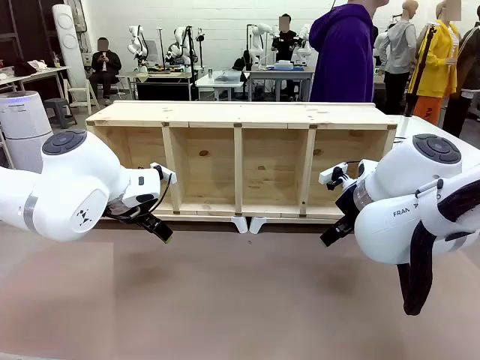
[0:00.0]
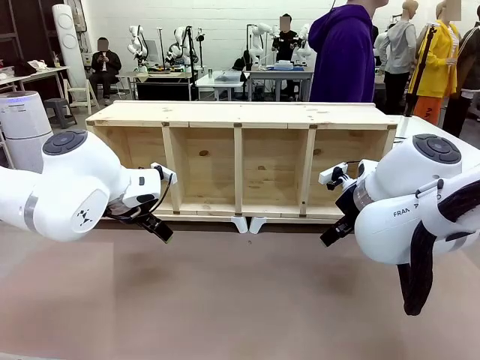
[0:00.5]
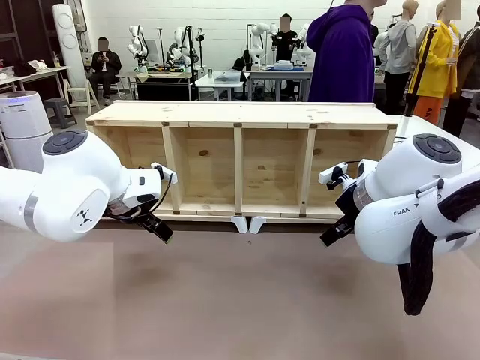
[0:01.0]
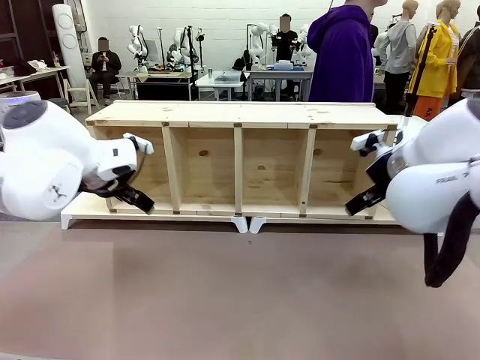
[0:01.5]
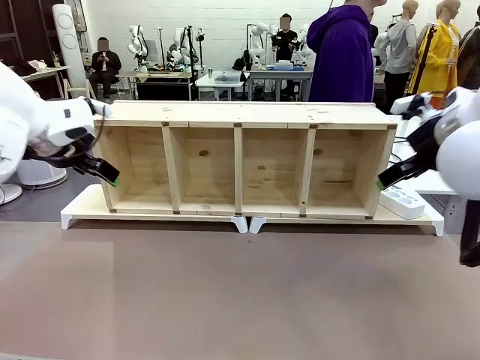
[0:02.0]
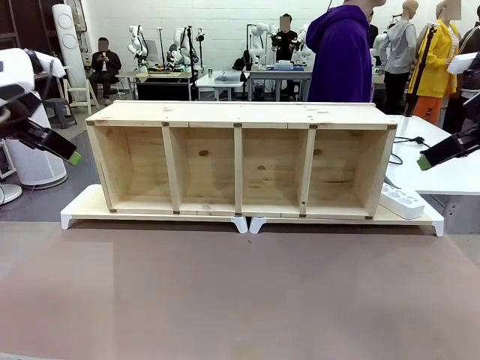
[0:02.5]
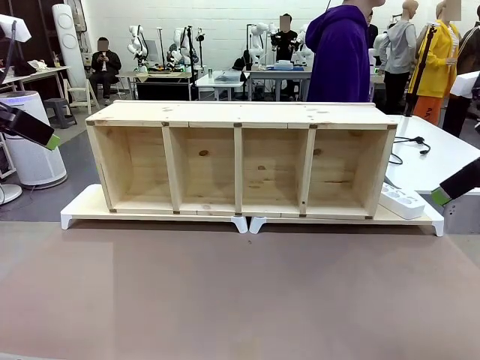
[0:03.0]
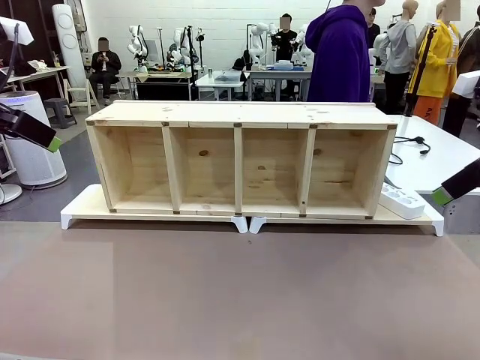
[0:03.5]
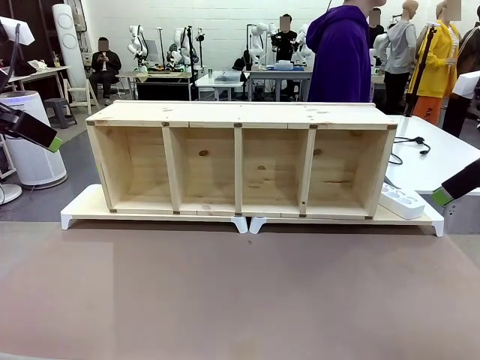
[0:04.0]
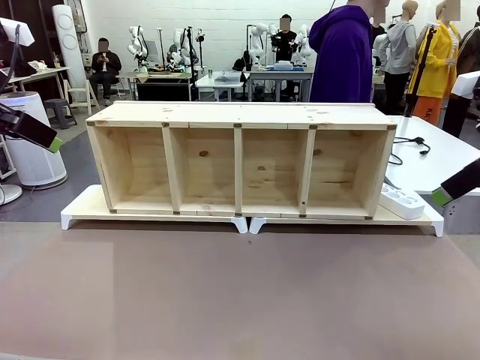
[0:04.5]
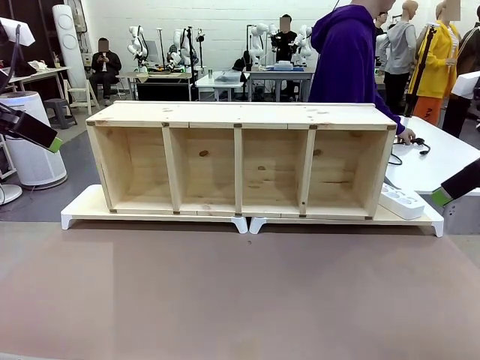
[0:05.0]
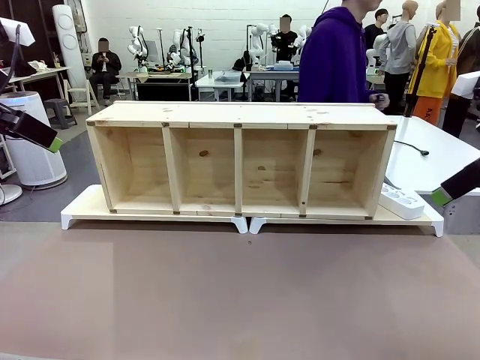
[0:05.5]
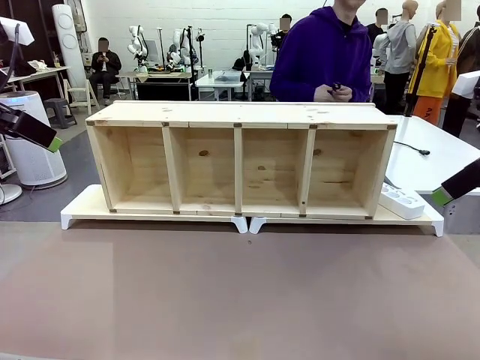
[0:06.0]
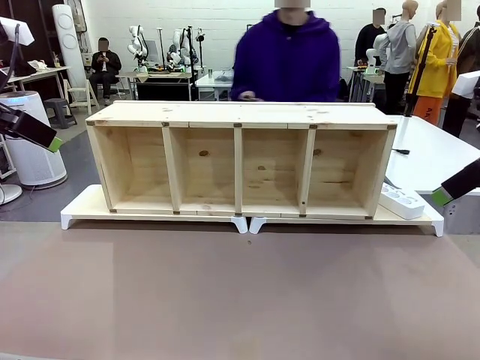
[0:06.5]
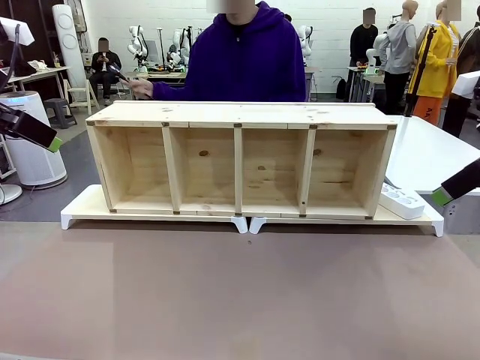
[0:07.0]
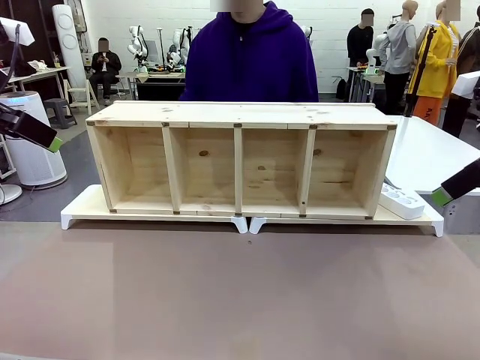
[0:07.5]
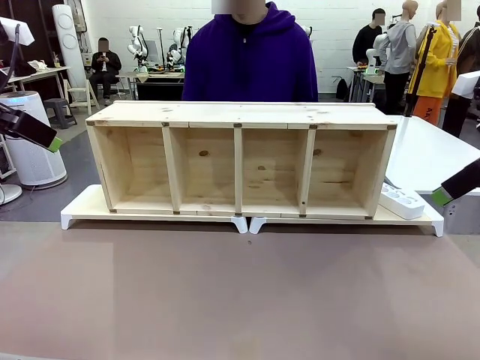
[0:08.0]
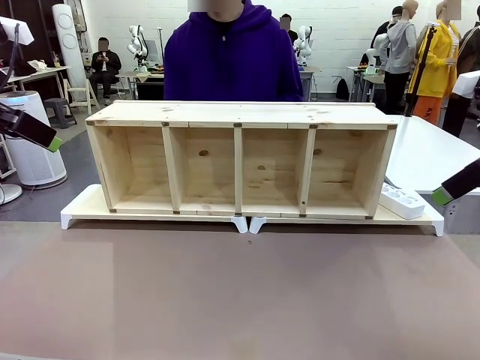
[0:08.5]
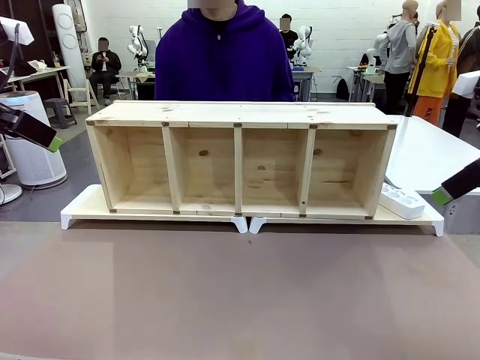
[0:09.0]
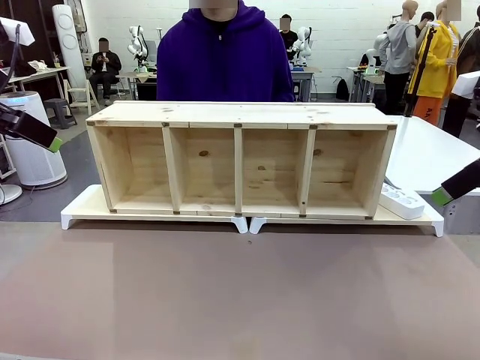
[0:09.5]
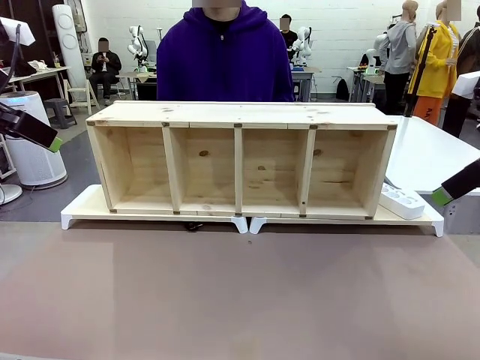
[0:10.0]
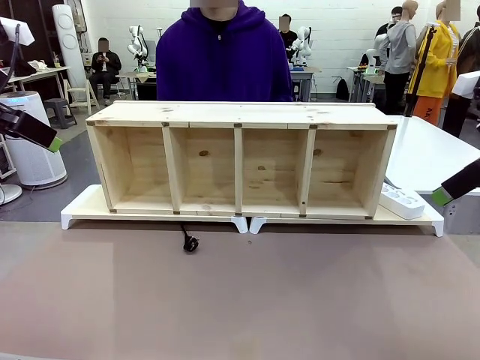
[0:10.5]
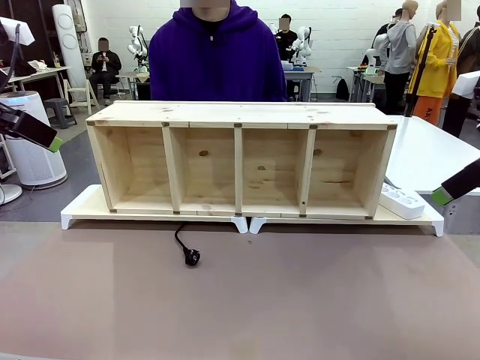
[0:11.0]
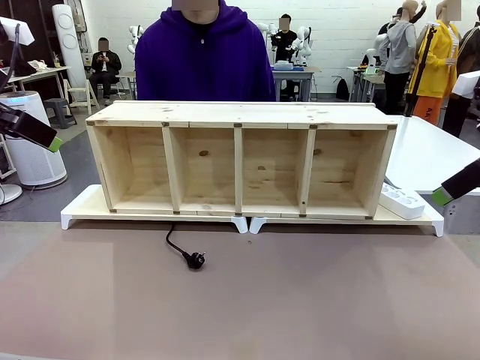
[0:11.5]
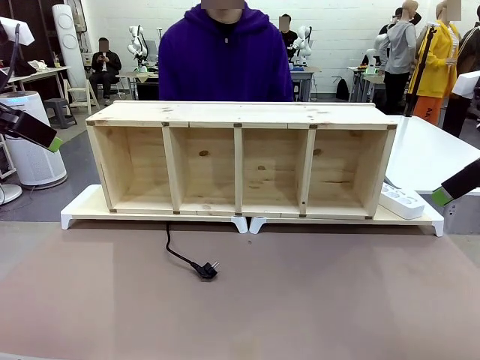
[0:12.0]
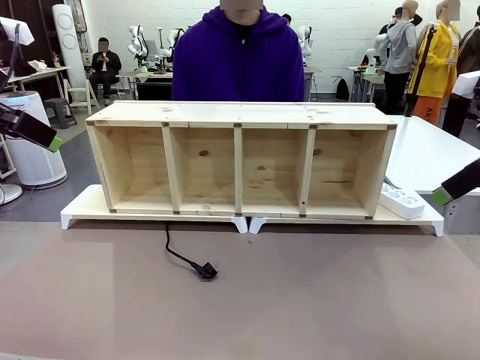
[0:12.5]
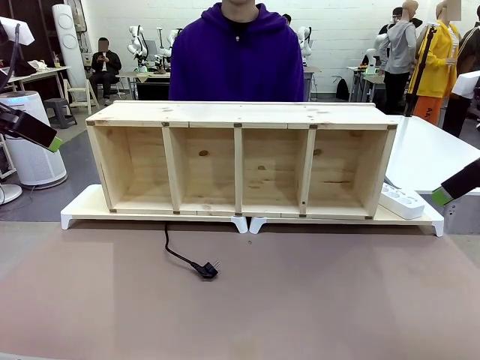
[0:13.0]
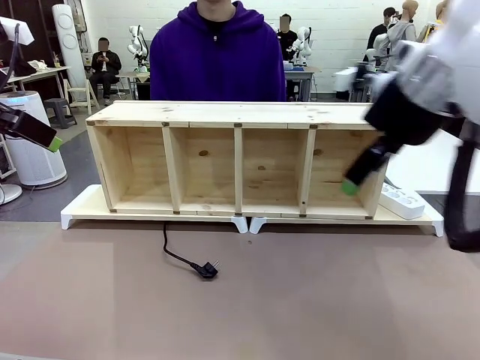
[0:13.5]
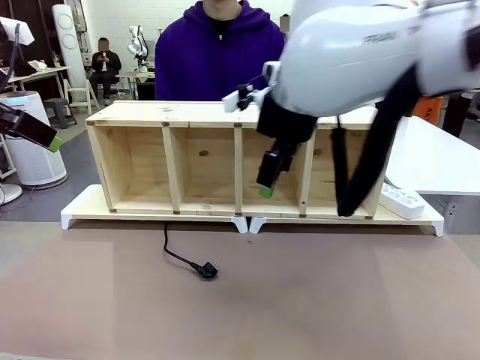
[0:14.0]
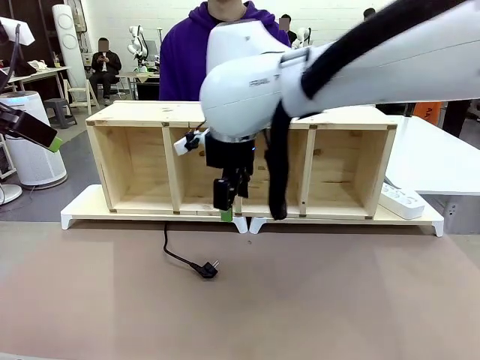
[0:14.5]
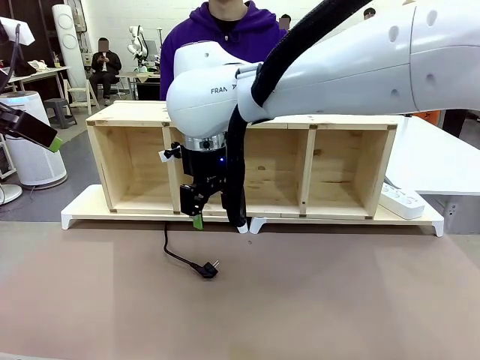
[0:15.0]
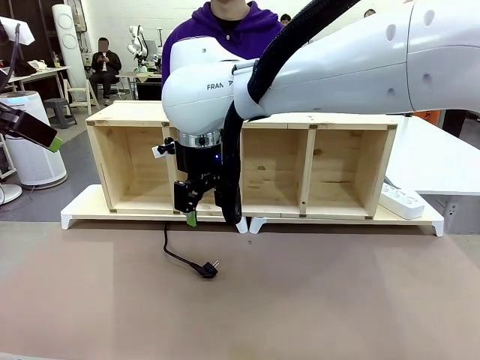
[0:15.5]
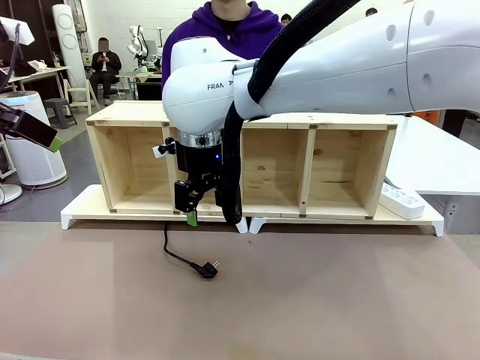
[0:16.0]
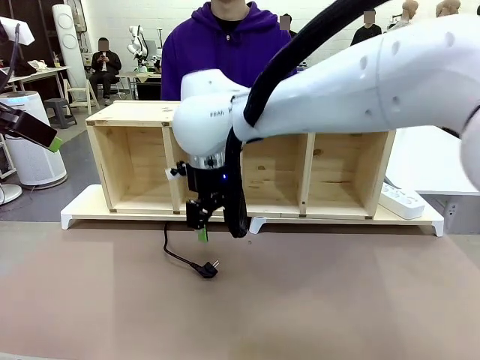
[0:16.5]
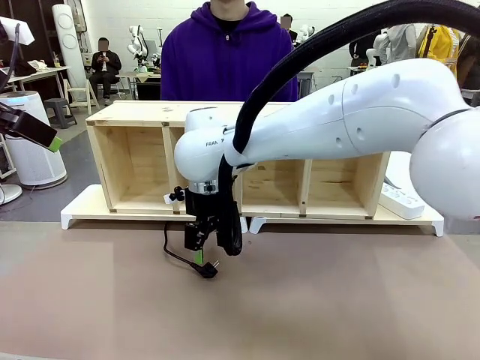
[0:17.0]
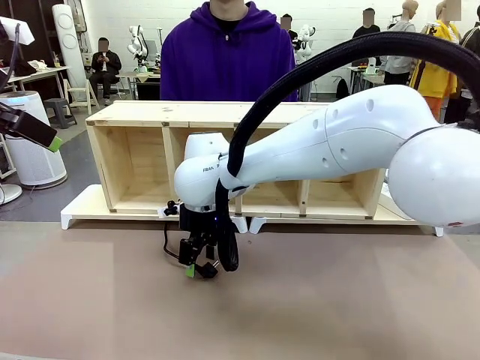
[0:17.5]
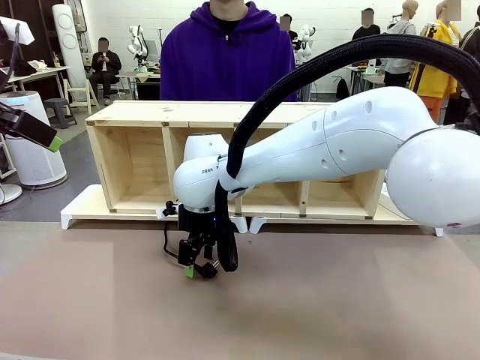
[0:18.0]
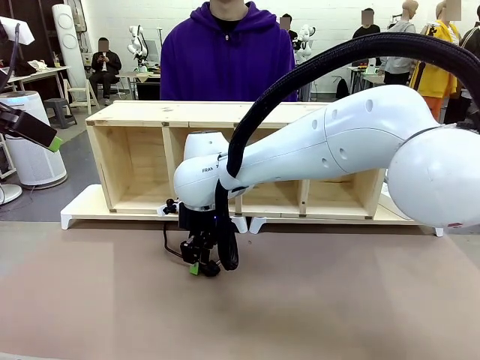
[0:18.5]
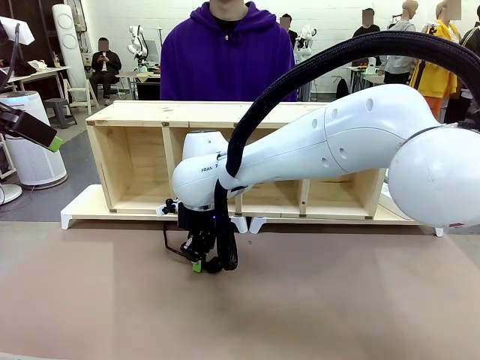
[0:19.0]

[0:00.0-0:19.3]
Task: Perform cable management.
Robot: When the cord part of the Power Cable appears at the lower middle area of the table and stops, grasp the cord part of the Power Cable.
Person: Pass the Power Cable under the Serving Table.

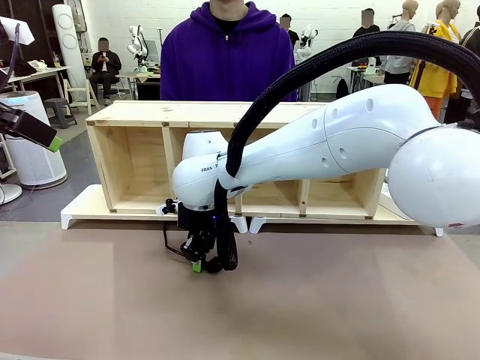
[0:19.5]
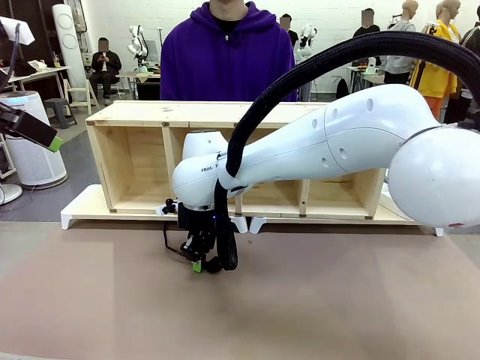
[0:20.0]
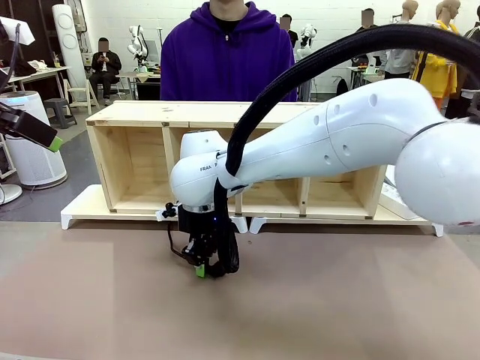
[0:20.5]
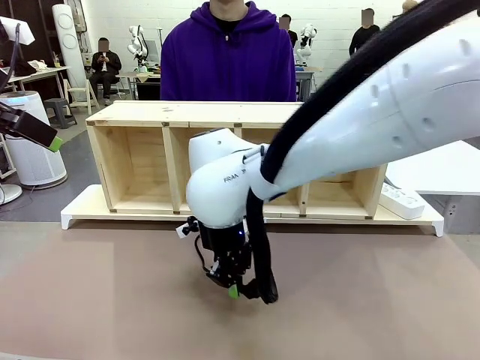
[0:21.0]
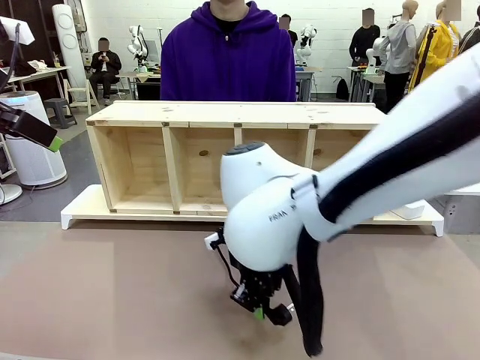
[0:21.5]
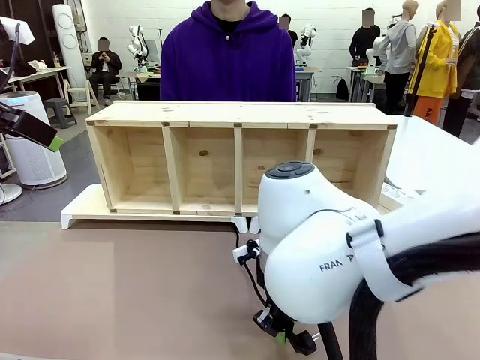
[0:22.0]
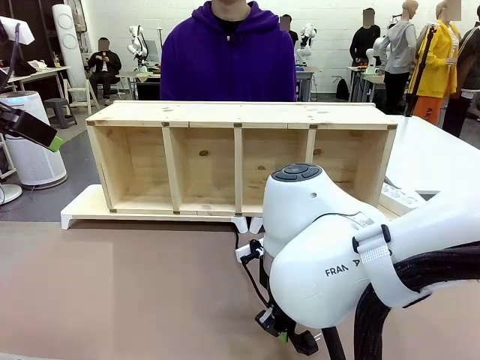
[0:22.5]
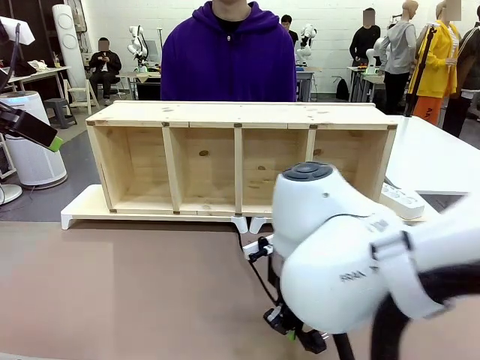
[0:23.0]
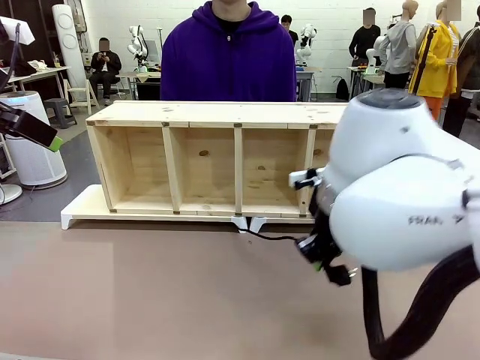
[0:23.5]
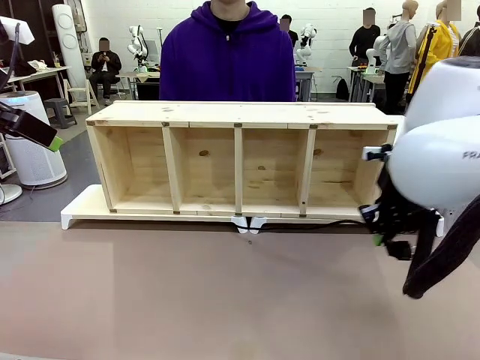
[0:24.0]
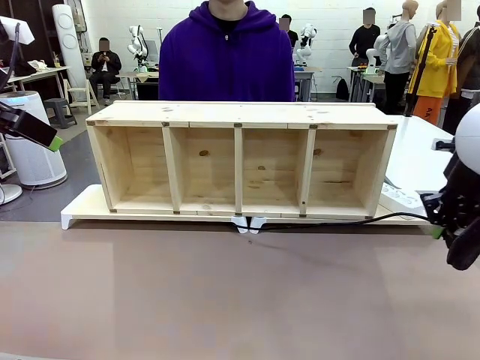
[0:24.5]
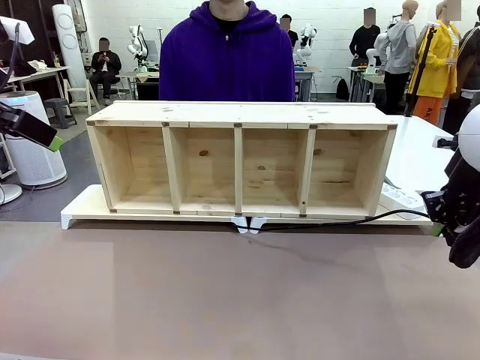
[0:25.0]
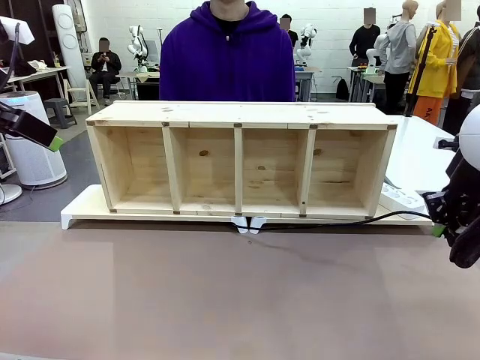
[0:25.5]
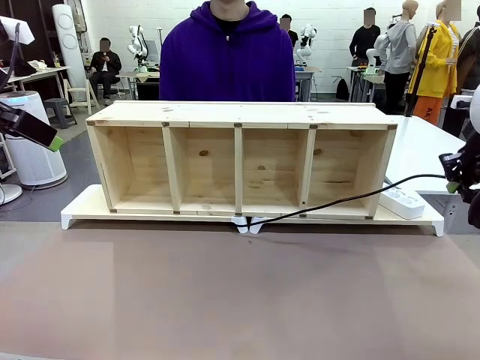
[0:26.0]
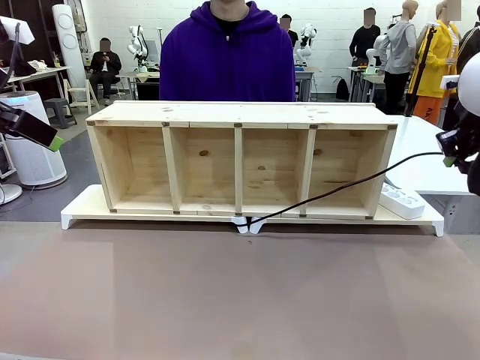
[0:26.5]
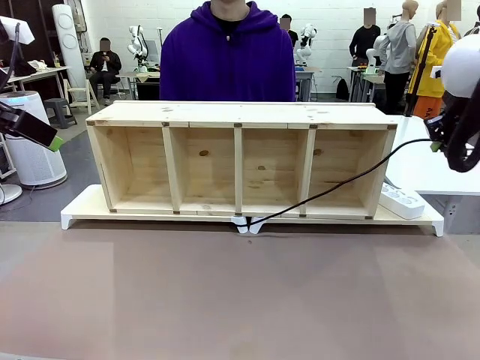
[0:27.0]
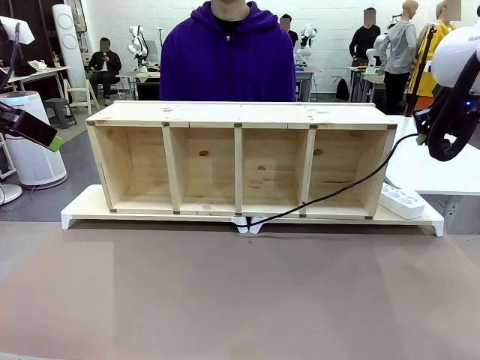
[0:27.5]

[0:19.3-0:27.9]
Robot: Pull the grasped Power Cable to the location of the Power Strip.
